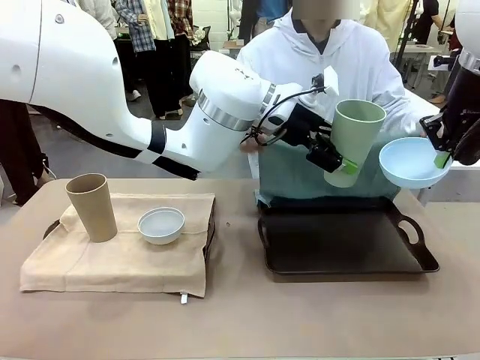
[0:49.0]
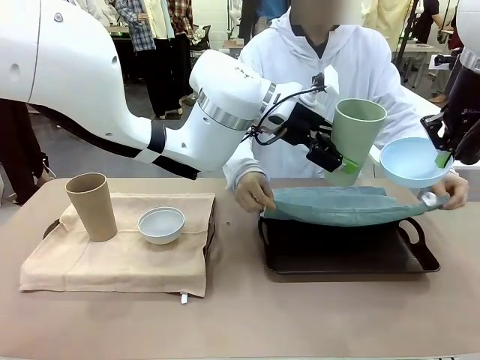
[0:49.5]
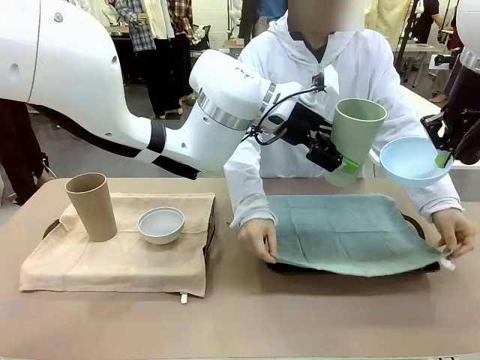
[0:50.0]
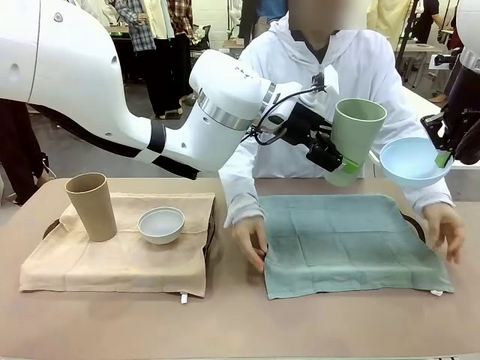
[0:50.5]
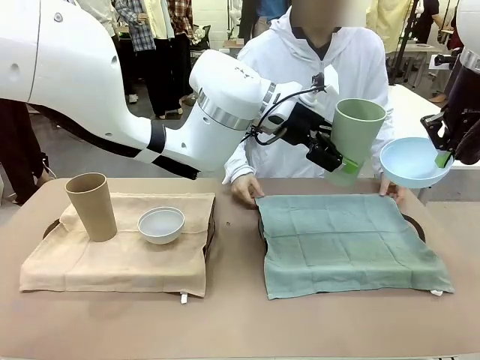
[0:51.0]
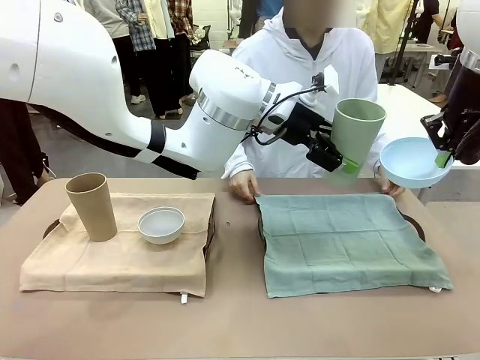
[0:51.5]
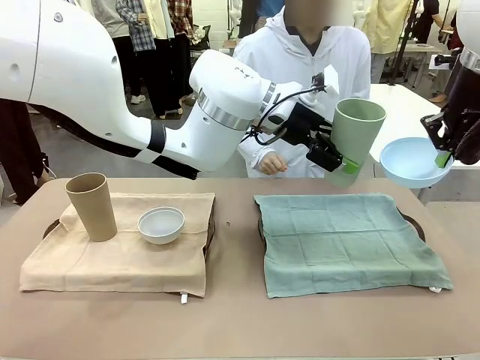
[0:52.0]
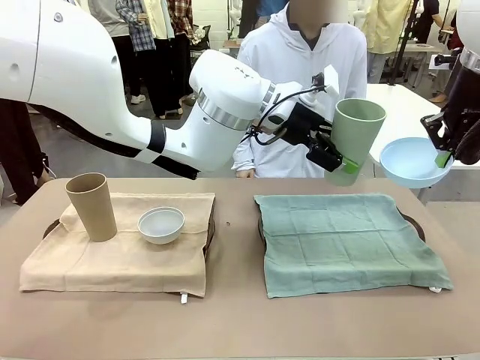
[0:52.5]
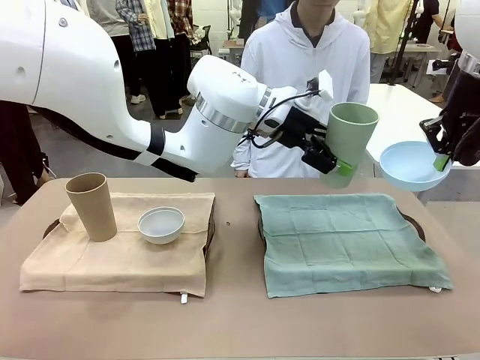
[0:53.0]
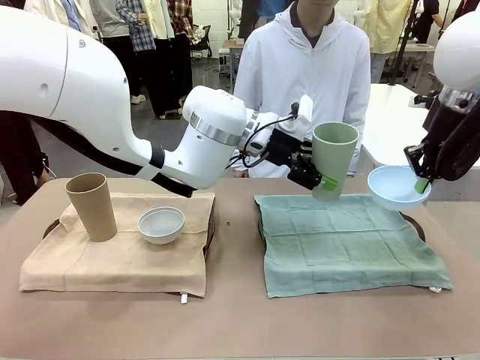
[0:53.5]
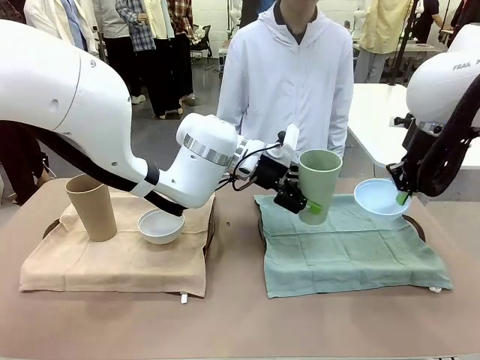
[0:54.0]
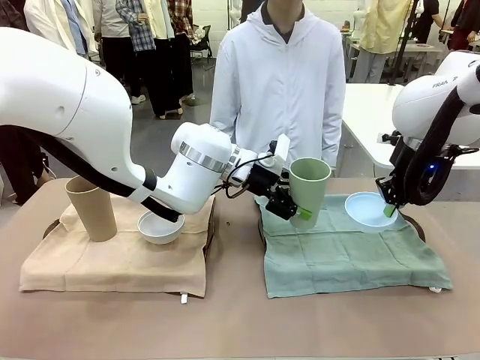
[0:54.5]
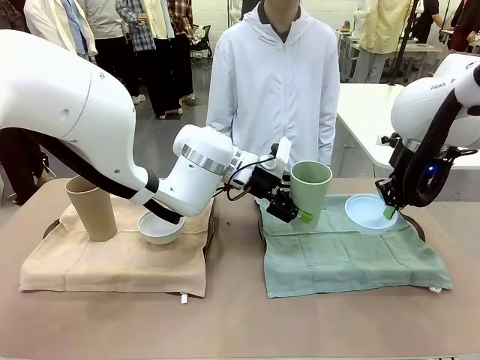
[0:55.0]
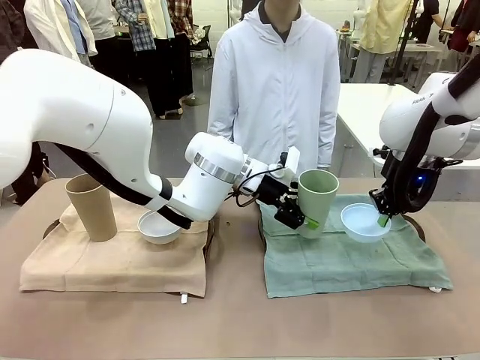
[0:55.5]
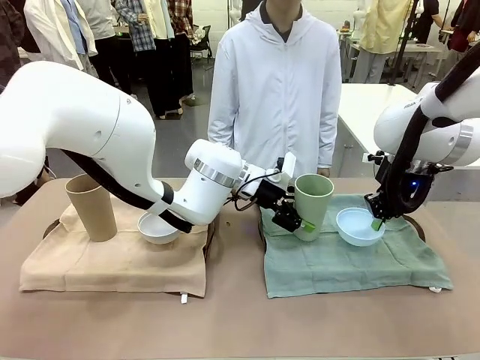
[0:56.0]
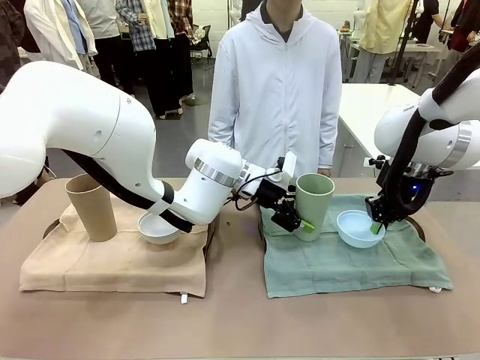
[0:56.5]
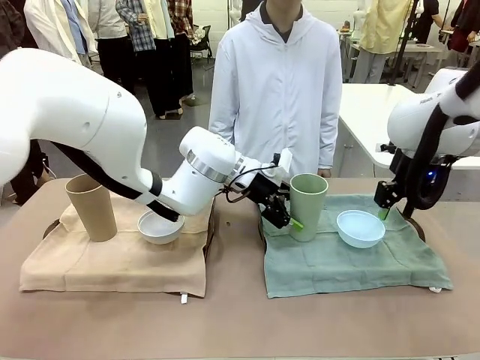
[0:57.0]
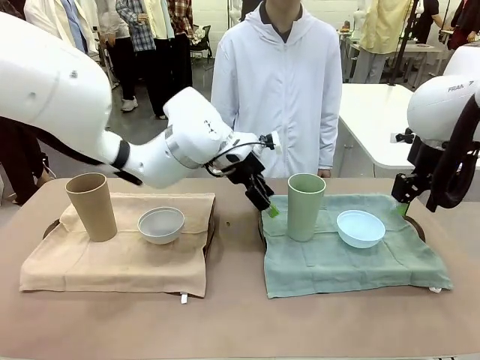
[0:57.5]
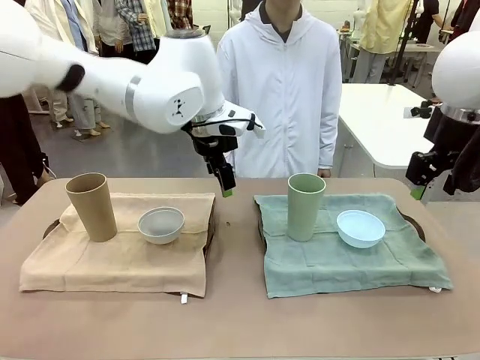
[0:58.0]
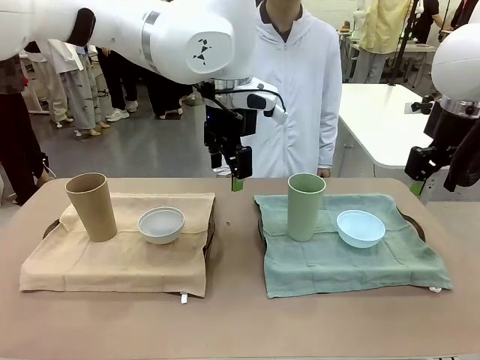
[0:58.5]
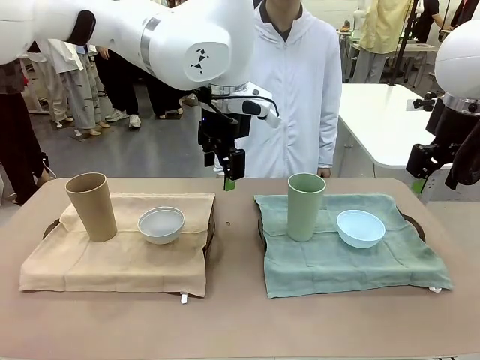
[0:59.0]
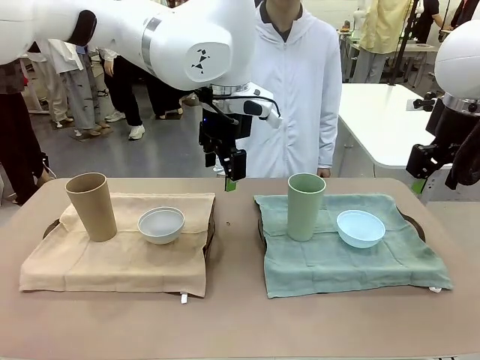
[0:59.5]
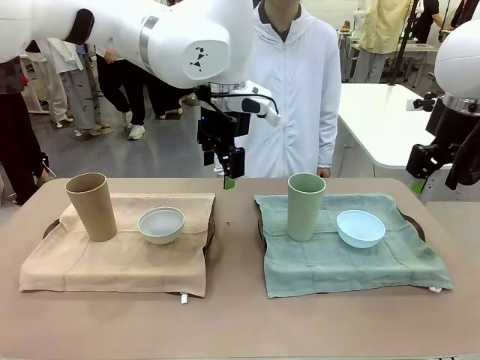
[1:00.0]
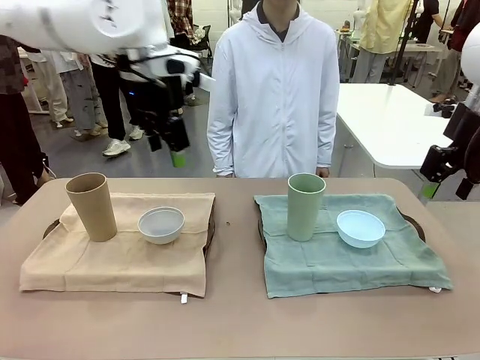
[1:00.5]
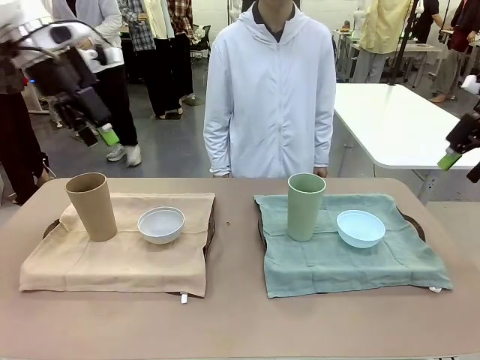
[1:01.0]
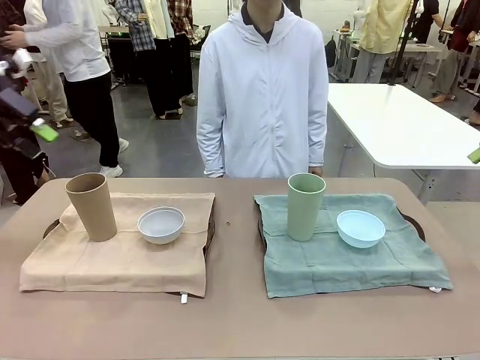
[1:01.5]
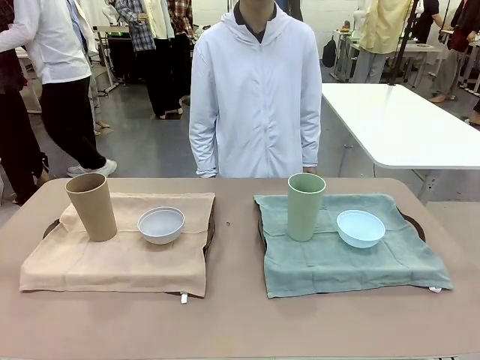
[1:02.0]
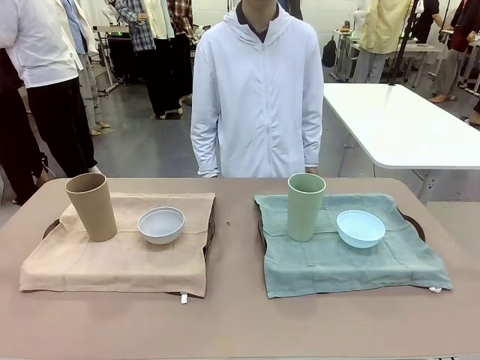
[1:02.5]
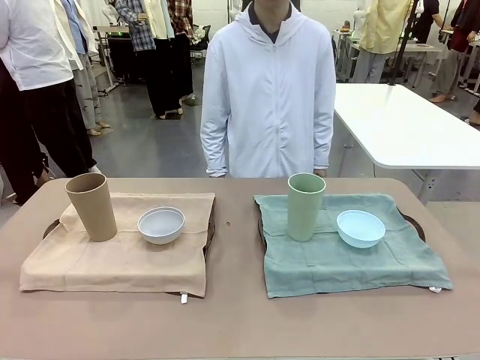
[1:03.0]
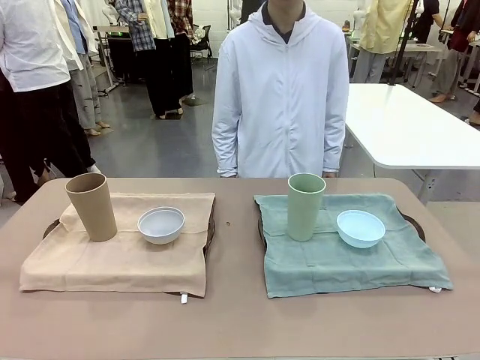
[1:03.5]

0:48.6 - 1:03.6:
Robot: Place the Picnic Bowl and Reusable plastic cup back onto the Handle tray in front of the human's position.
Person: When the robot lifts the bowl and the cup, the human unfolds the napkin and lays the napkin flat on the tray.

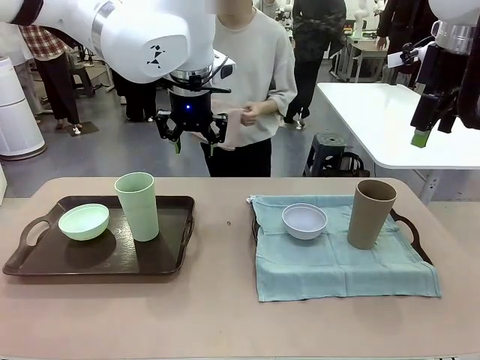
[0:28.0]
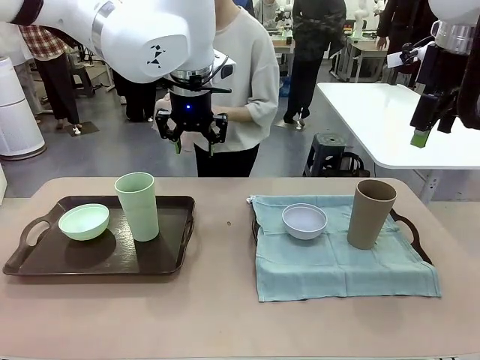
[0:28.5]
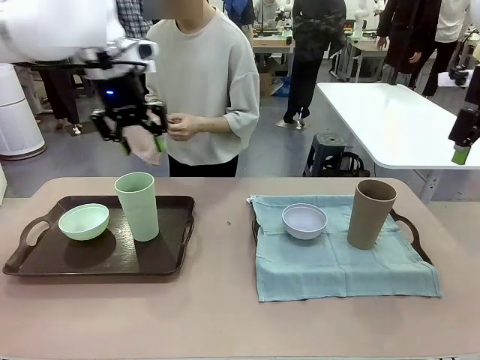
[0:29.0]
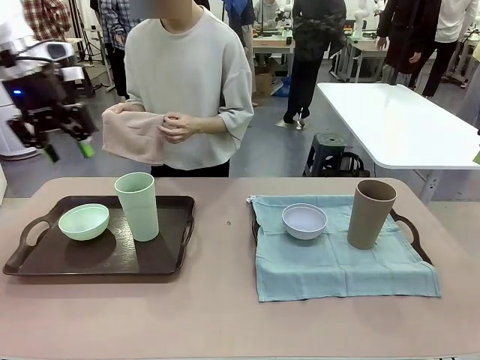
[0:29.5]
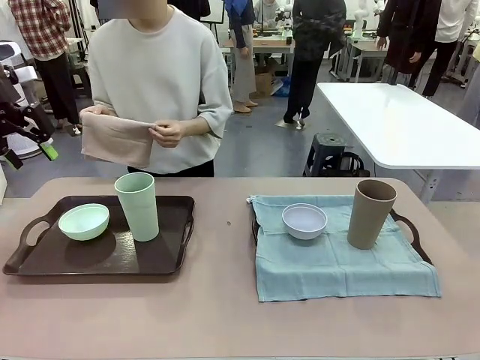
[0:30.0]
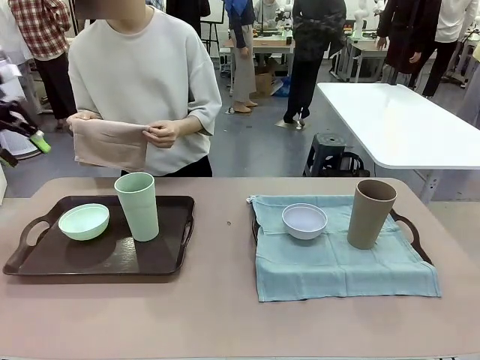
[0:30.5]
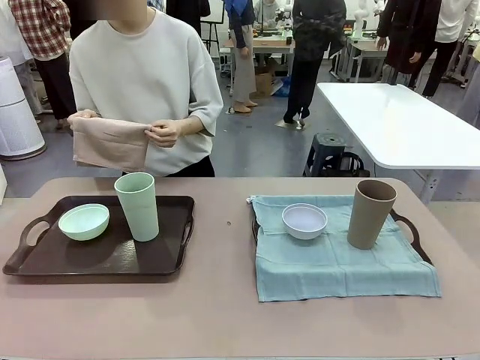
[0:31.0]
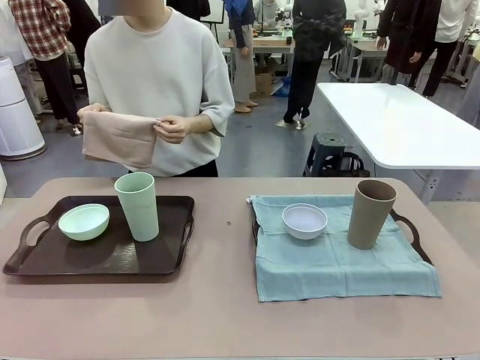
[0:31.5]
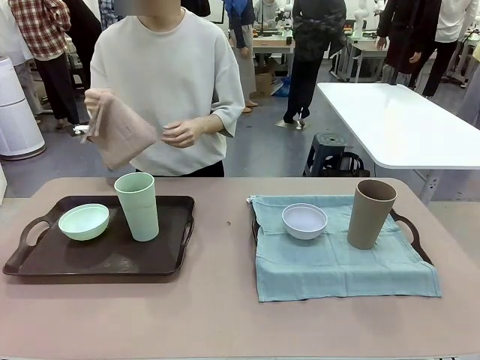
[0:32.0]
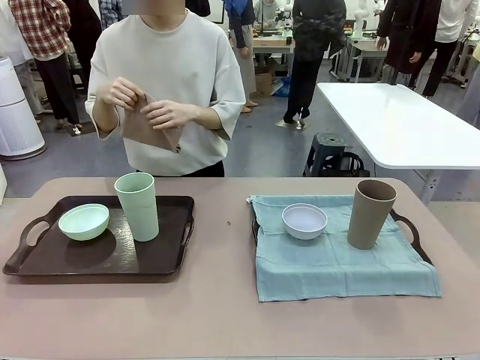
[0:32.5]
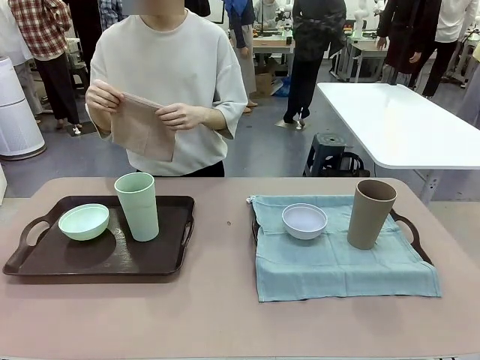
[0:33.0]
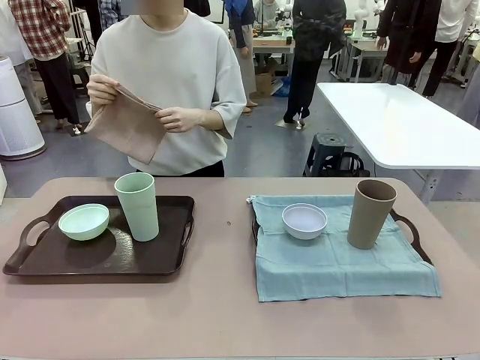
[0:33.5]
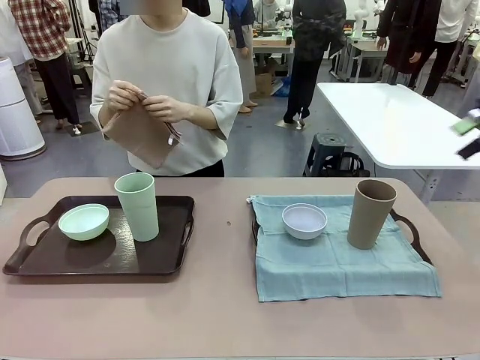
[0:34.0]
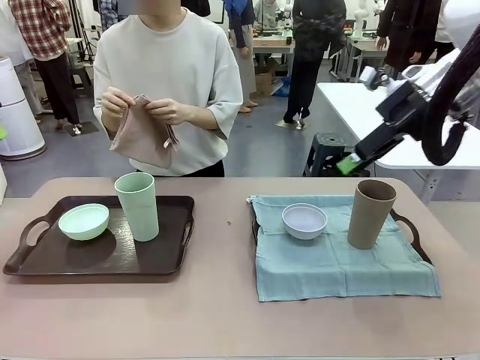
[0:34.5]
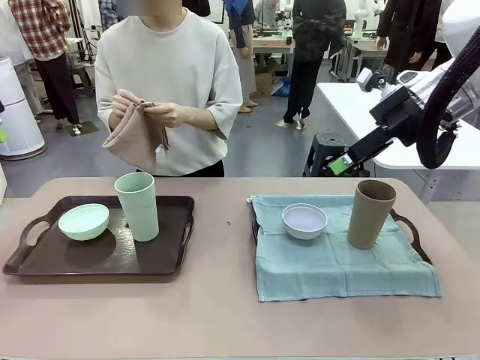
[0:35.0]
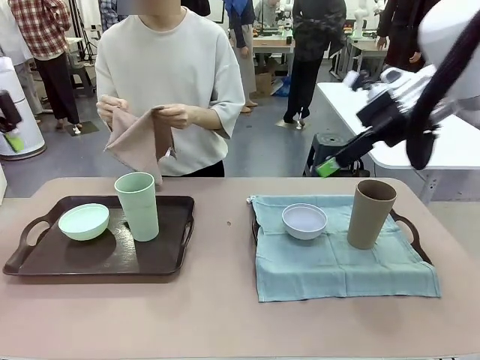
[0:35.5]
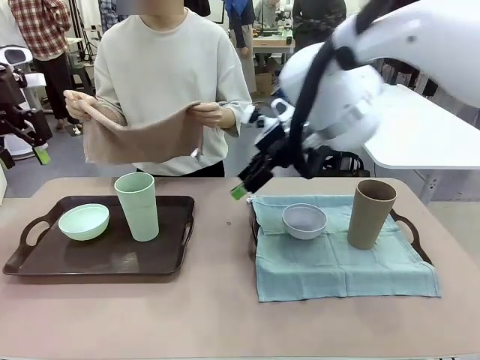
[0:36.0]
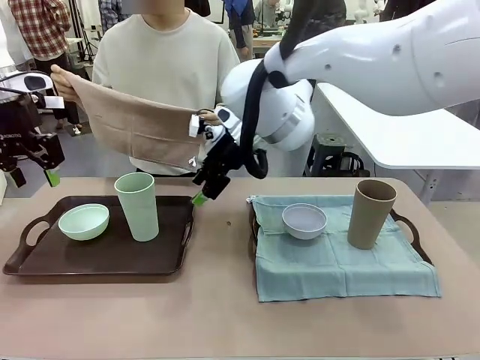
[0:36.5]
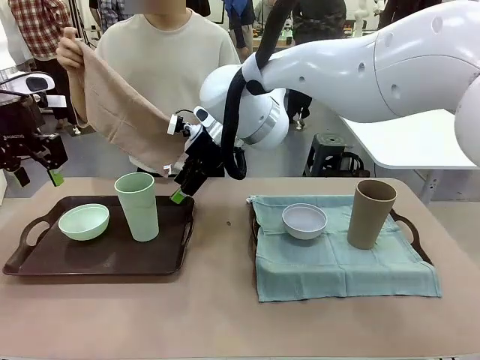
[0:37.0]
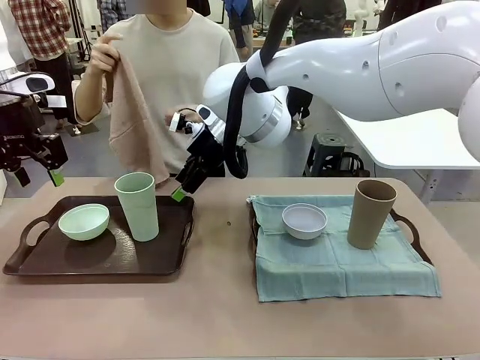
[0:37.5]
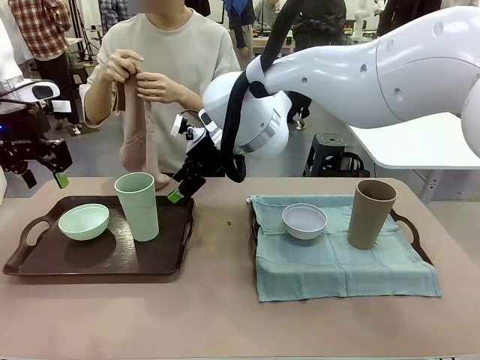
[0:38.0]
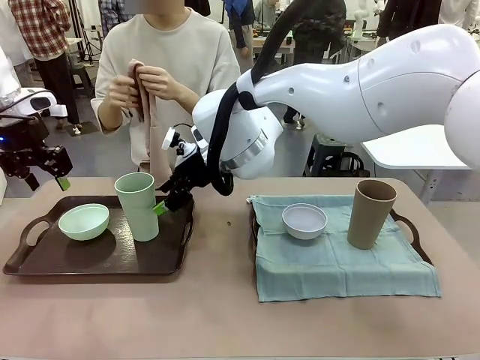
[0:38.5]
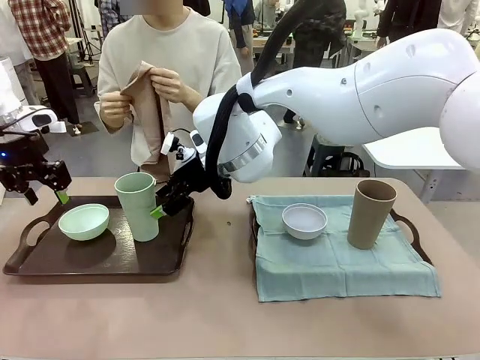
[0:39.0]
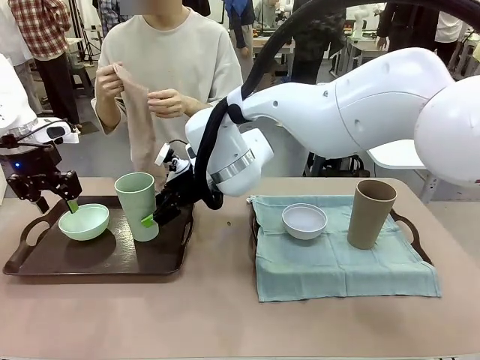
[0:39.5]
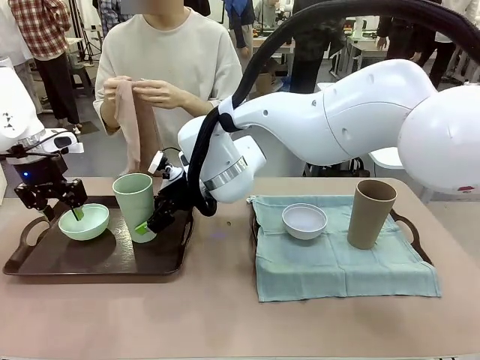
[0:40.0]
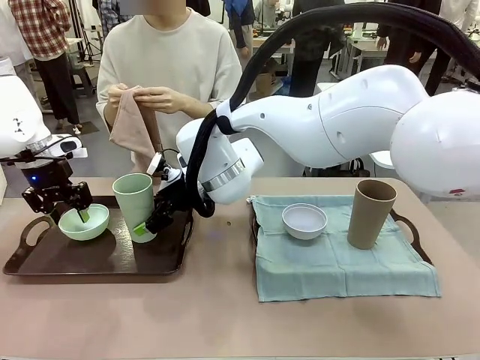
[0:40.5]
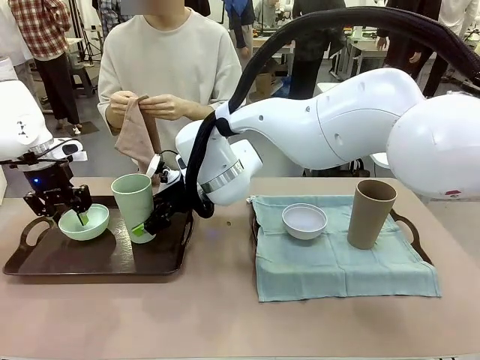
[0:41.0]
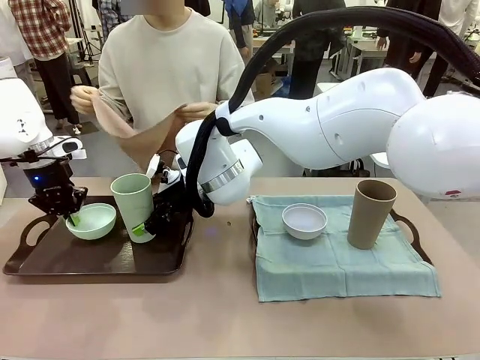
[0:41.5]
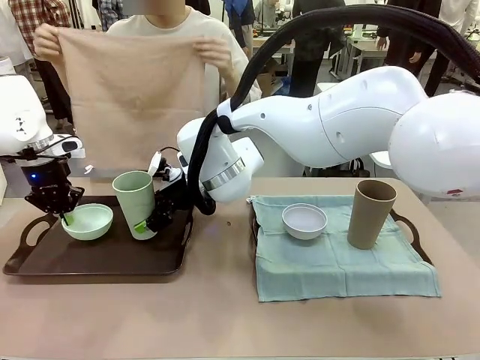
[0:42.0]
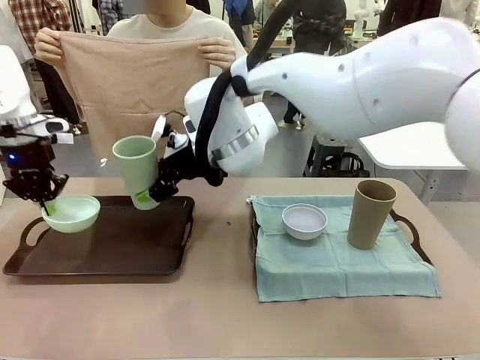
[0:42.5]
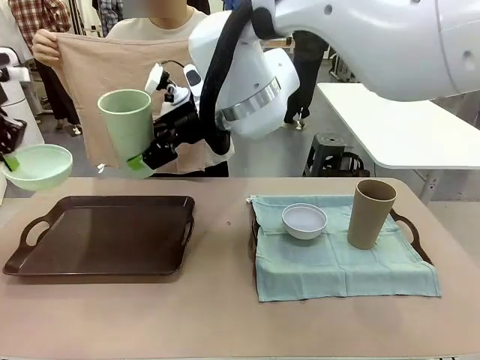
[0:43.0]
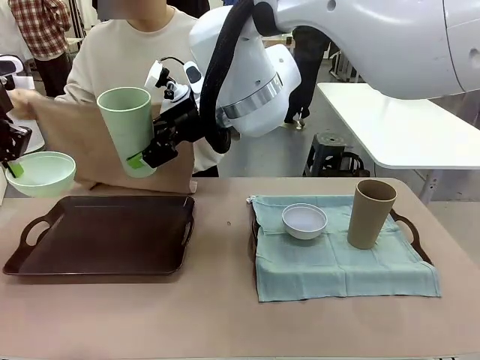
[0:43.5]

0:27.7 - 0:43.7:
Robot: Pick up the Picnic Bowl and Reusable plastic cup from the Handle tray in front of the human's position and hold them in the air.
